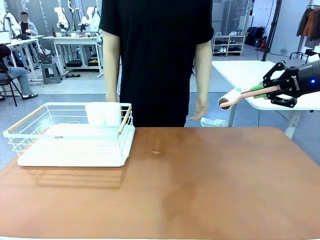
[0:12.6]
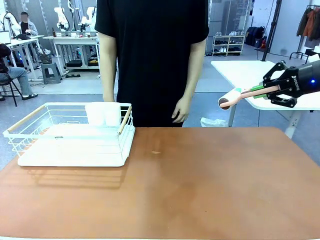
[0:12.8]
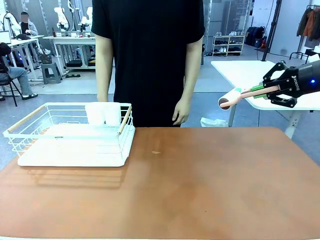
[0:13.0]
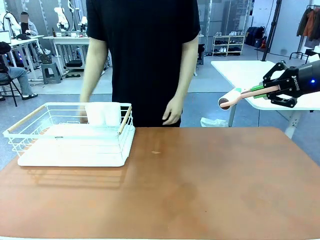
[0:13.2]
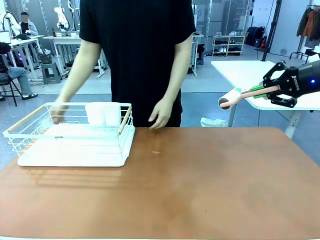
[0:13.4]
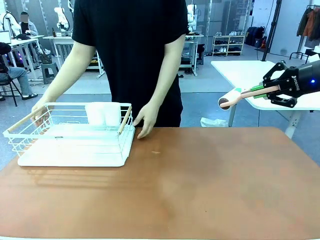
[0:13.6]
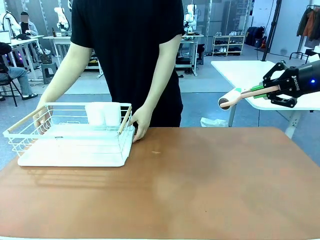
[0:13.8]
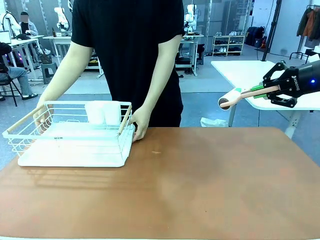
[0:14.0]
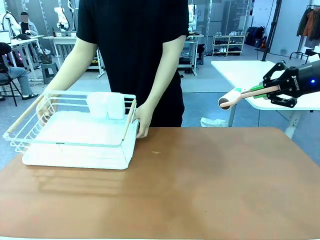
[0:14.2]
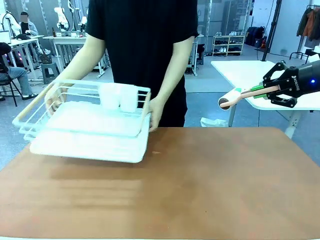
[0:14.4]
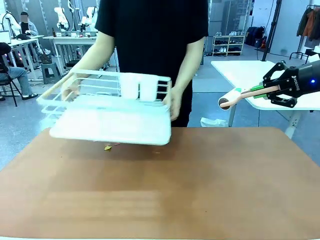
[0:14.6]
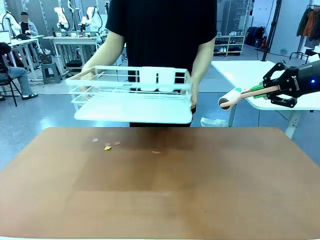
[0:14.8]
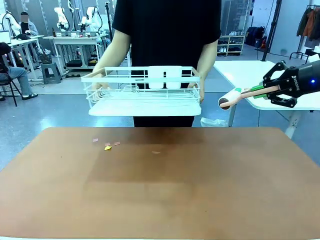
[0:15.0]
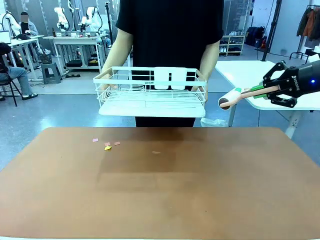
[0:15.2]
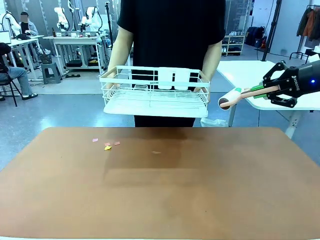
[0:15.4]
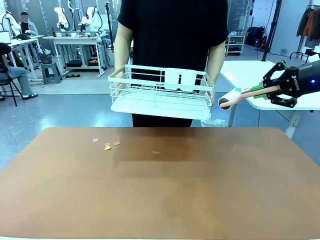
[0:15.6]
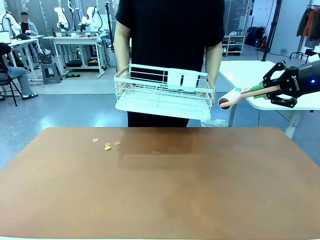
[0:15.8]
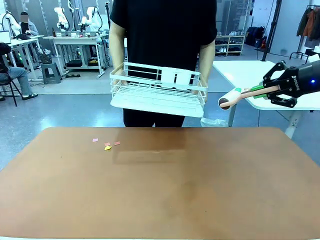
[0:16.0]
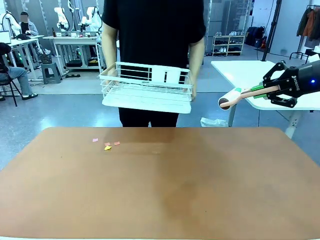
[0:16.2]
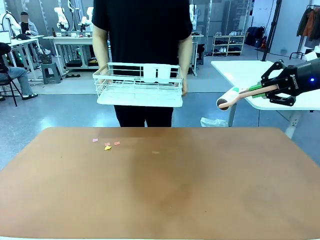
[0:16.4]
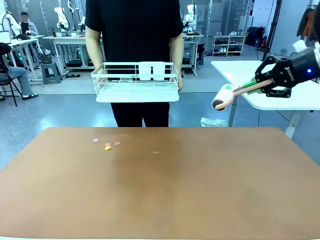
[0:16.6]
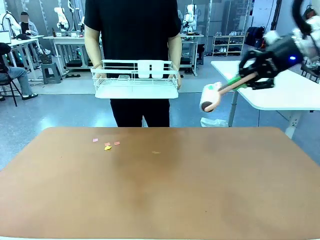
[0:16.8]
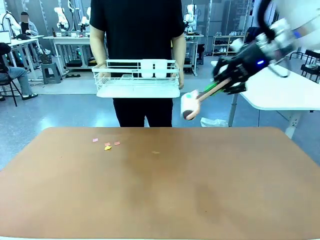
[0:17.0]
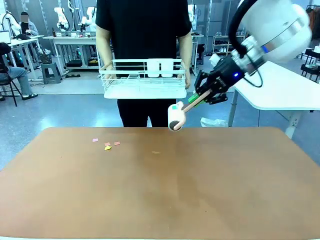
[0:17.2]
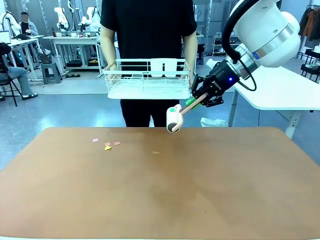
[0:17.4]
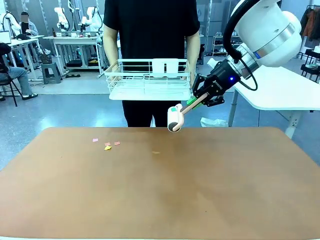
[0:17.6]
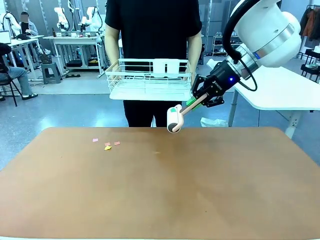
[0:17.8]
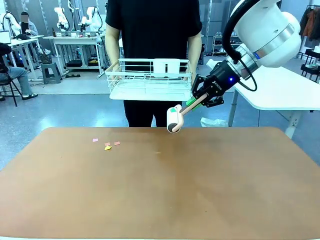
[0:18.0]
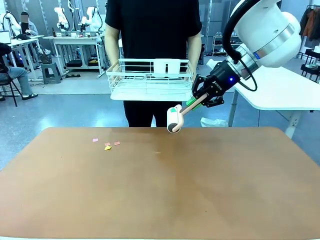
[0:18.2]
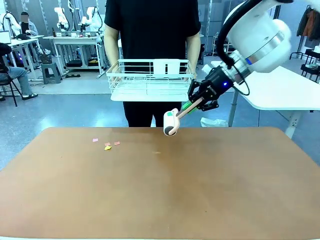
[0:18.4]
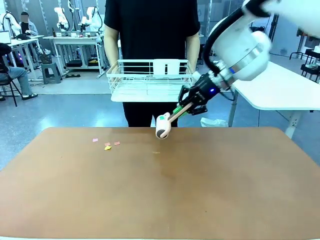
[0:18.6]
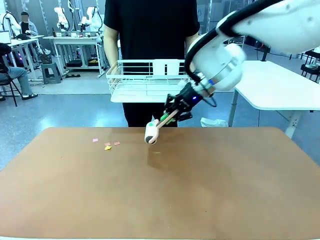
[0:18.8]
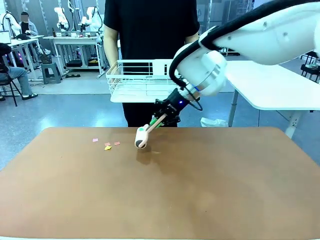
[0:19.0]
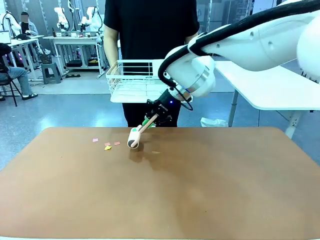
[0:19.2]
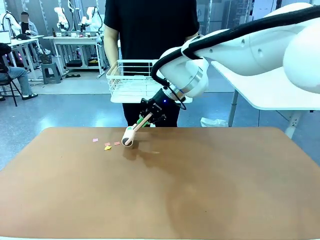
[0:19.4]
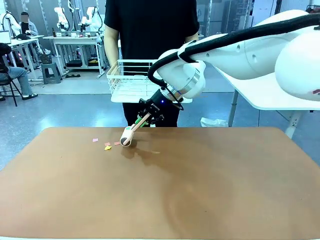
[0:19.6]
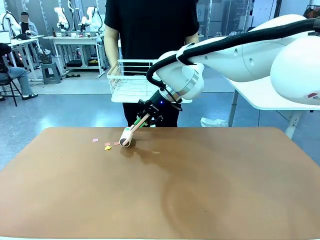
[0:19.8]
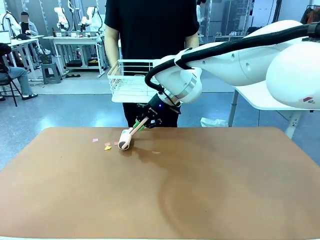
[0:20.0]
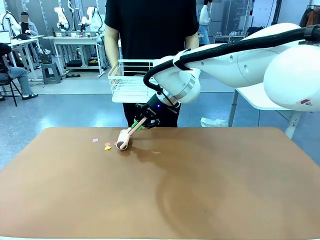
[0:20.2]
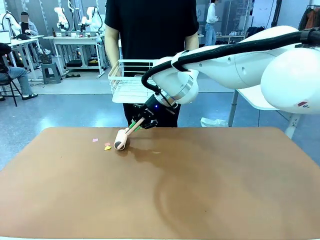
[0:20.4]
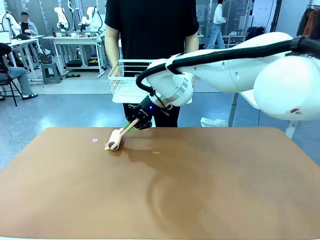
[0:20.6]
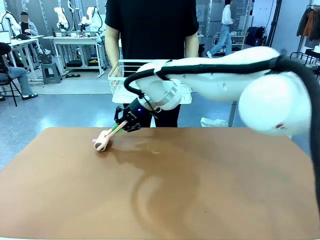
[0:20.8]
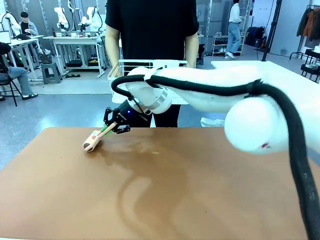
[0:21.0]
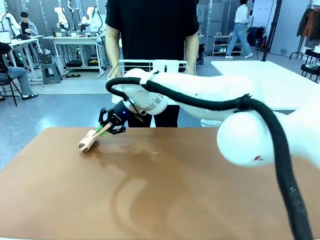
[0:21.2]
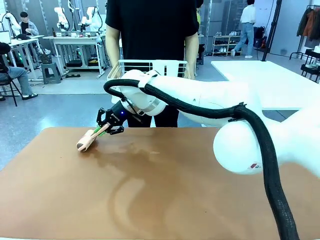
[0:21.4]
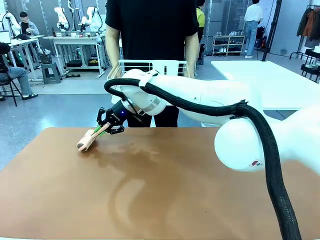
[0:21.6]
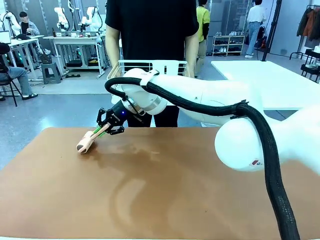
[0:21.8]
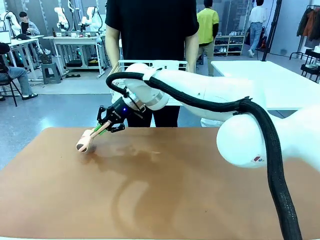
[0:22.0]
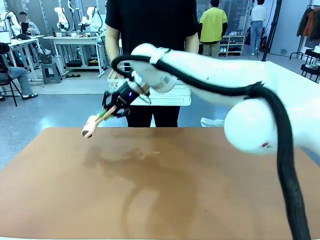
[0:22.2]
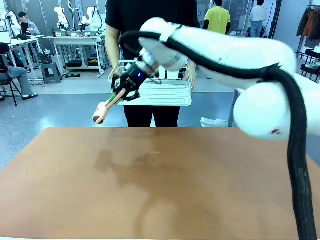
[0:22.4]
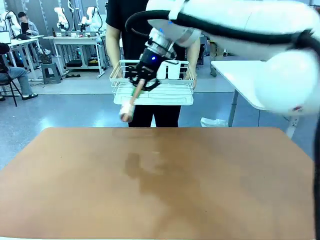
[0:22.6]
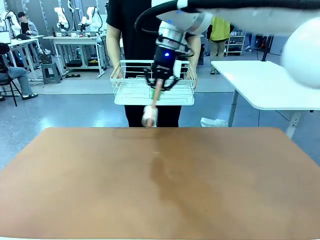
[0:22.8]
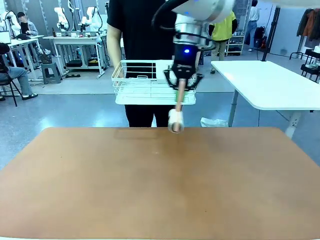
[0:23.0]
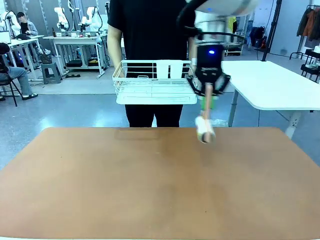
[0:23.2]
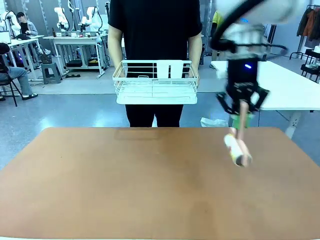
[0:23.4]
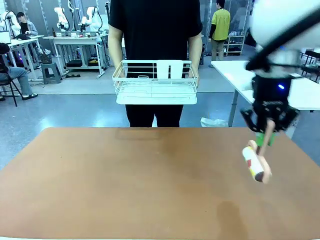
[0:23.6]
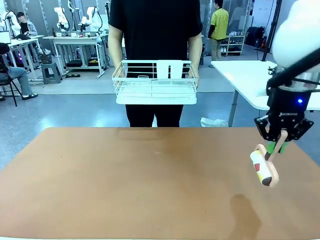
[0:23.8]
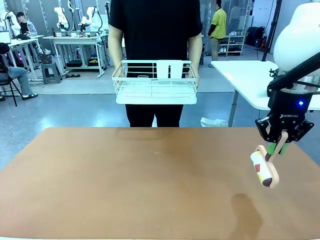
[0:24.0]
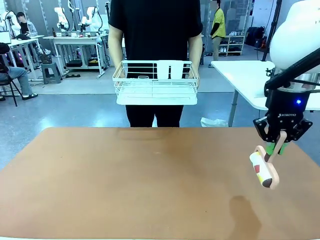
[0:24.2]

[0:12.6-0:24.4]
Task: Clean the table.
Robot: Clean the table with the Lint Roller when the human lifts the Dish drying rack.
Person: Place the Dish drying rack down when the robot finishes cleaning.

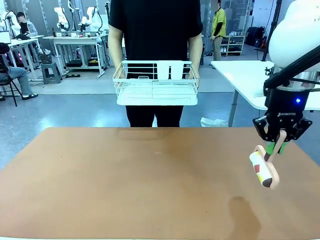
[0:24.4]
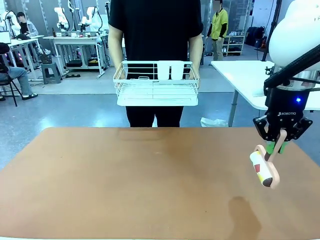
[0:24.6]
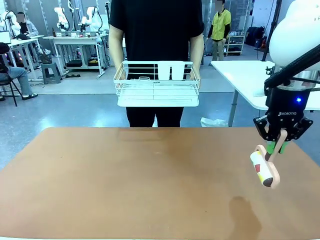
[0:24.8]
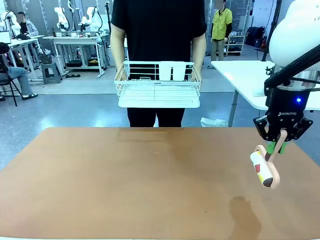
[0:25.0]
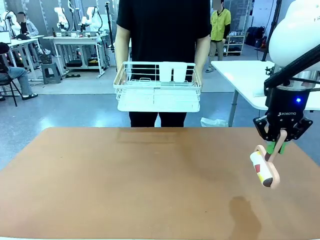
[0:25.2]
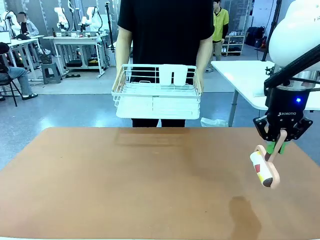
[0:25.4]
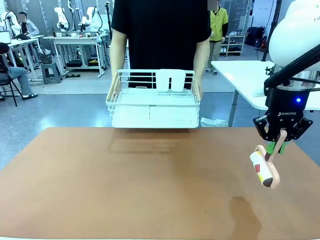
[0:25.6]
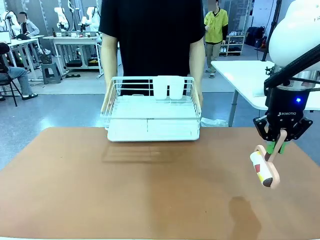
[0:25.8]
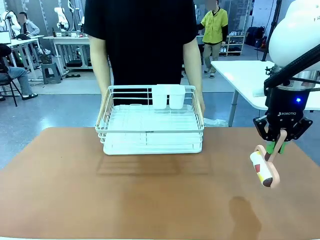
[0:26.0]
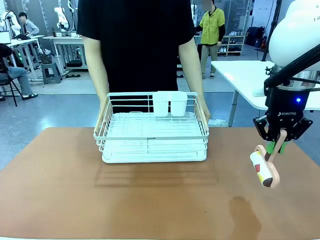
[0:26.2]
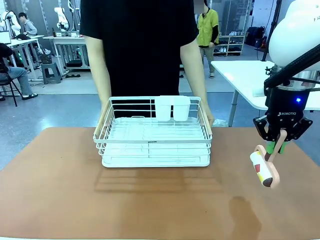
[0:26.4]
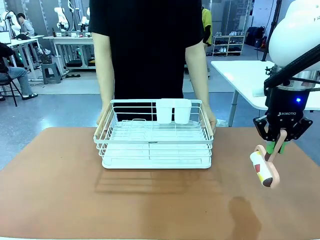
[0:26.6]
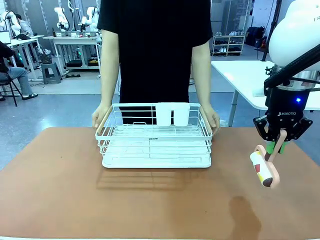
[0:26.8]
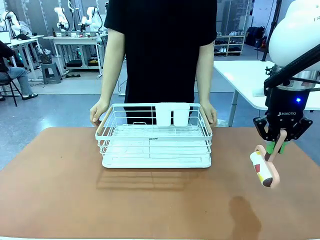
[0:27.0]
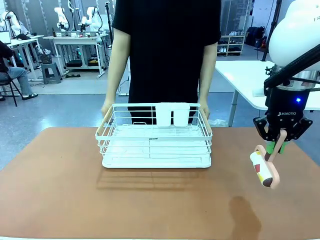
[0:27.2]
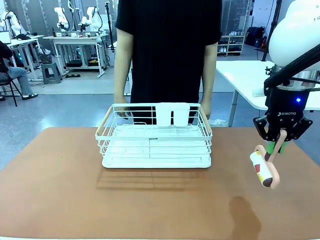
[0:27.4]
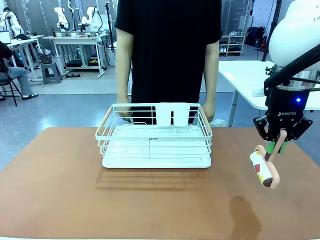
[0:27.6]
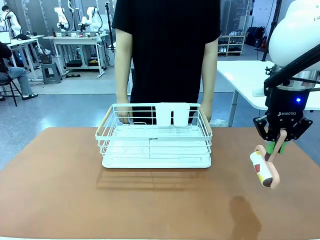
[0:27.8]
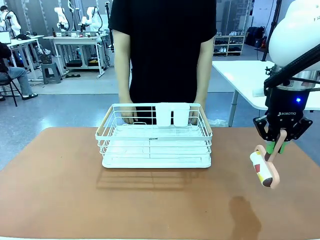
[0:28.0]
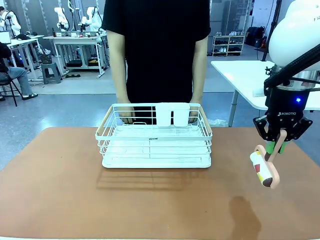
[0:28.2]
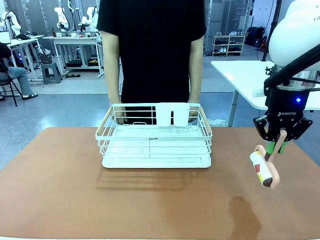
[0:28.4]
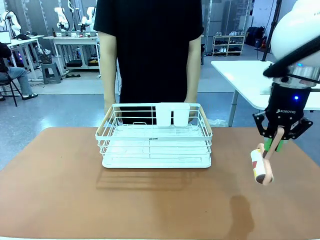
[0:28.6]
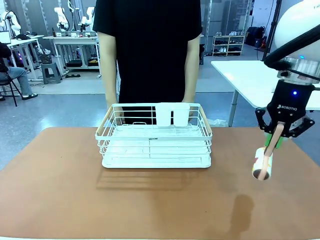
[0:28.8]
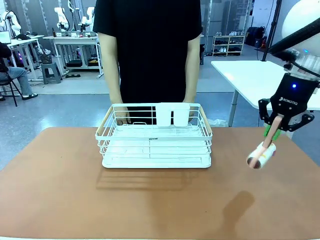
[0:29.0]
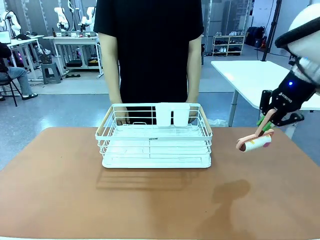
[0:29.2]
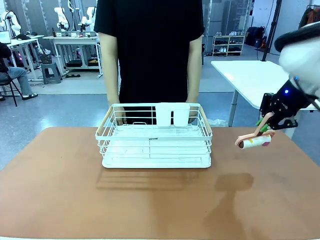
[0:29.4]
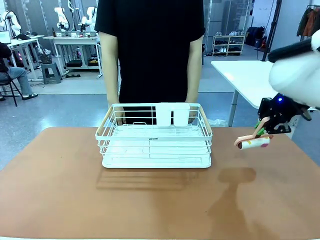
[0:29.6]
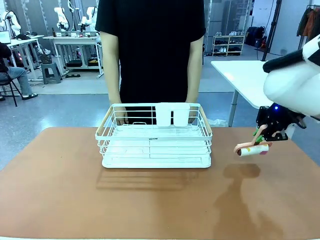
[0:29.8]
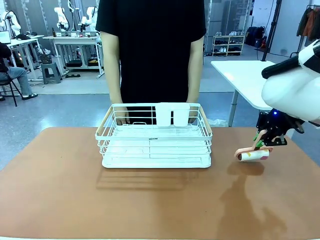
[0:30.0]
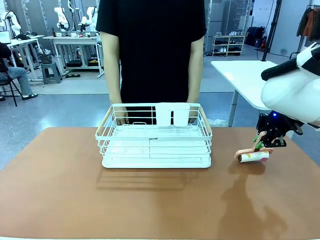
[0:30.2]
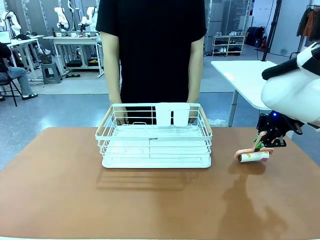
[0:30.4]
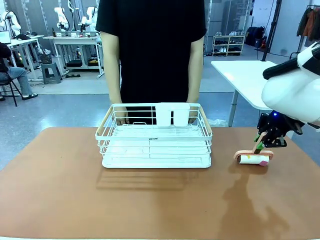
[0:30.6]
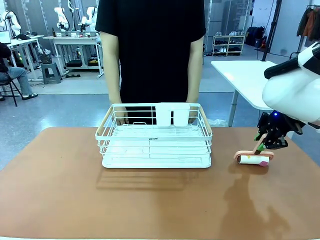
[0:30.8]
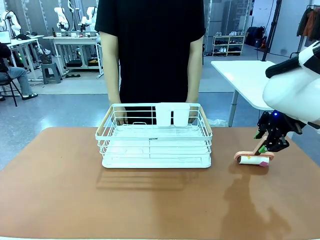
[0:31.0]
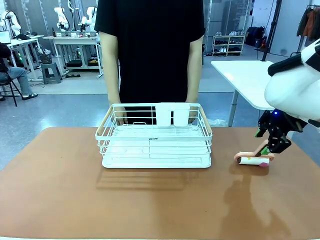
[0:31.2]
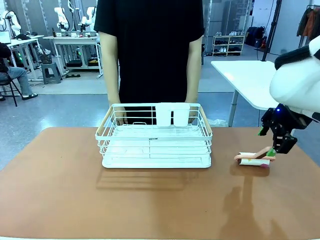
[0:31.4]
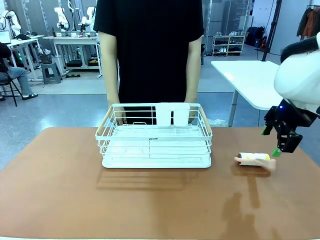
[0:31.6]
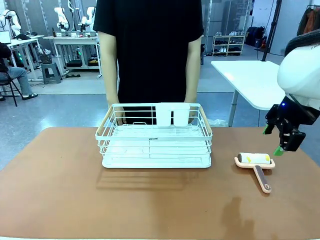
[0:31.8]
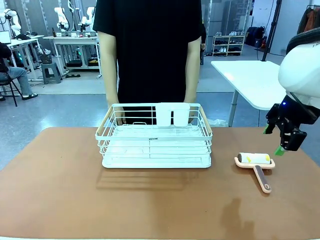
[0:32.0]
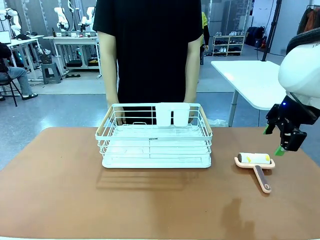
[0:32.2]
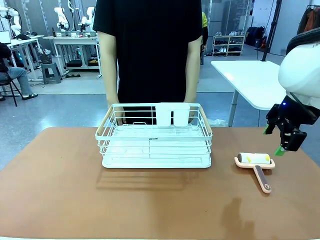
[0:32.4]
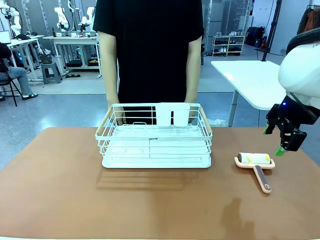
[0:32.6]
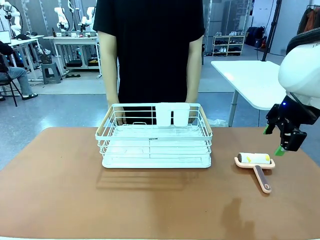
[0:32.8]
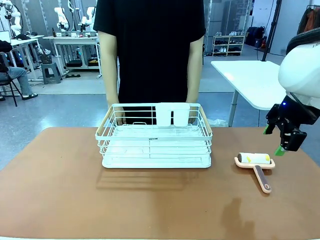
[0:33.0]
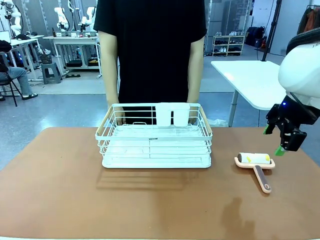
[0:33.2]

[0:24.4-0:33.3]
Robot: Place the Lint Roller down when the Dish drying rack is positioned in the middle of the table.
